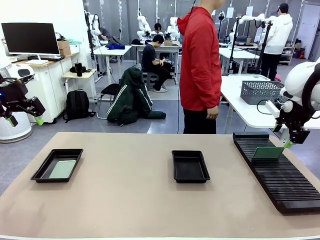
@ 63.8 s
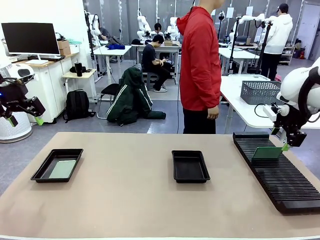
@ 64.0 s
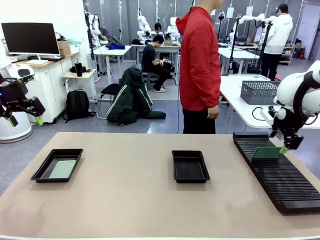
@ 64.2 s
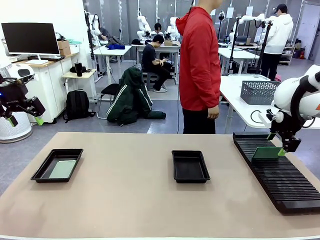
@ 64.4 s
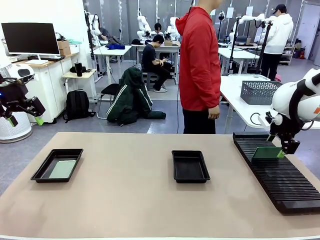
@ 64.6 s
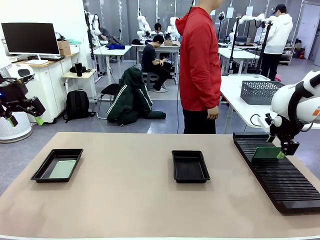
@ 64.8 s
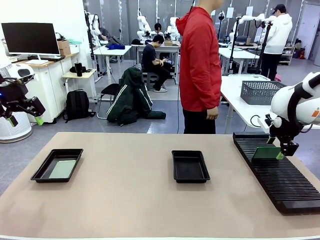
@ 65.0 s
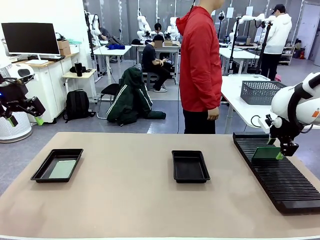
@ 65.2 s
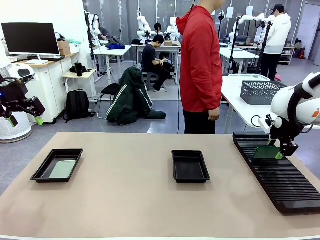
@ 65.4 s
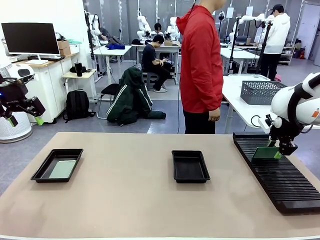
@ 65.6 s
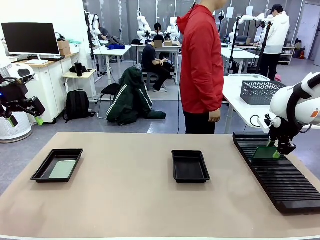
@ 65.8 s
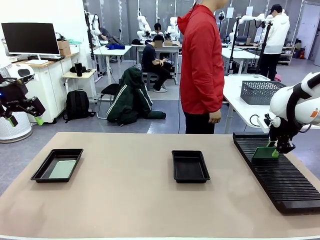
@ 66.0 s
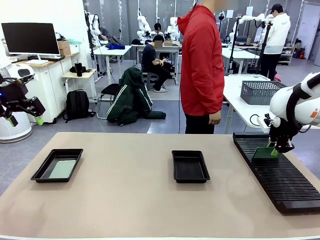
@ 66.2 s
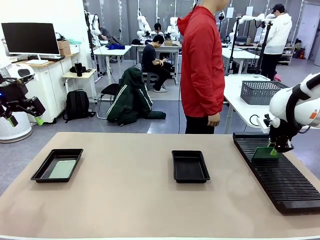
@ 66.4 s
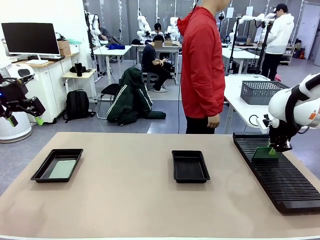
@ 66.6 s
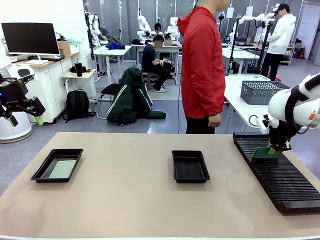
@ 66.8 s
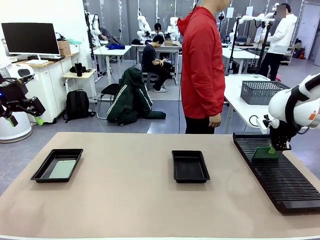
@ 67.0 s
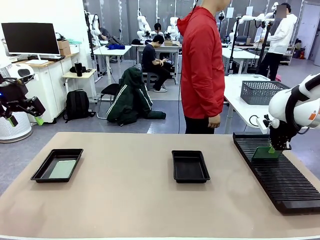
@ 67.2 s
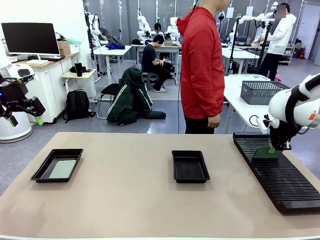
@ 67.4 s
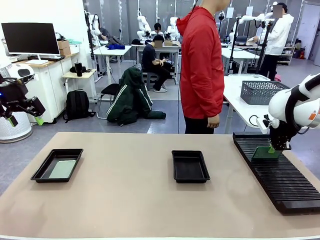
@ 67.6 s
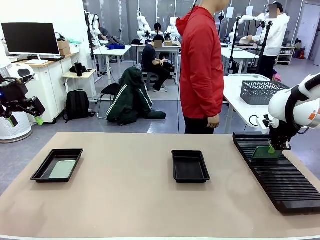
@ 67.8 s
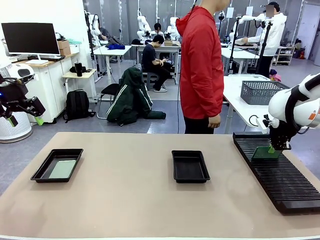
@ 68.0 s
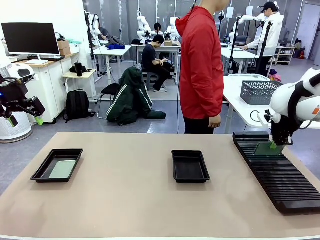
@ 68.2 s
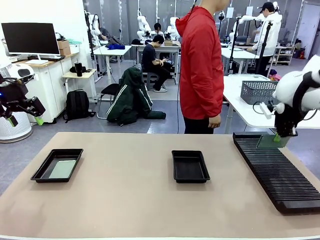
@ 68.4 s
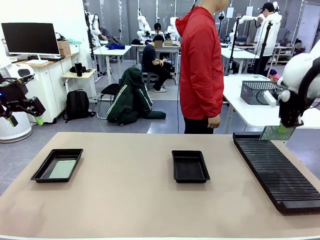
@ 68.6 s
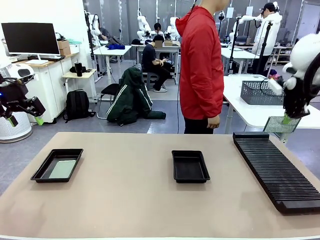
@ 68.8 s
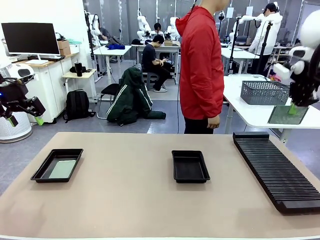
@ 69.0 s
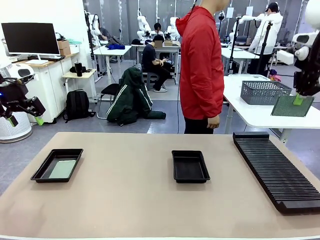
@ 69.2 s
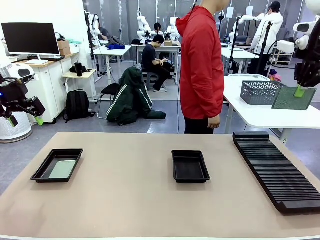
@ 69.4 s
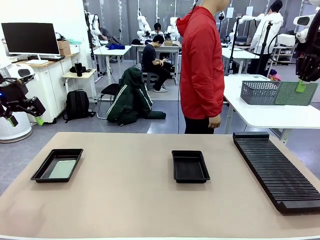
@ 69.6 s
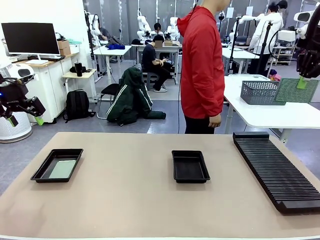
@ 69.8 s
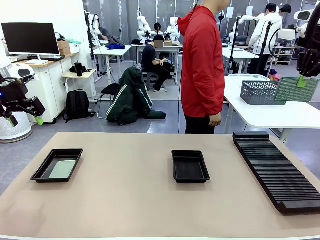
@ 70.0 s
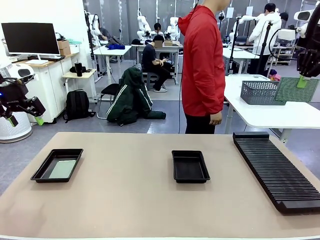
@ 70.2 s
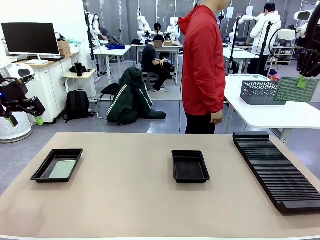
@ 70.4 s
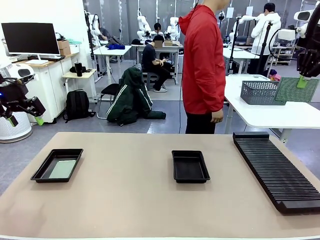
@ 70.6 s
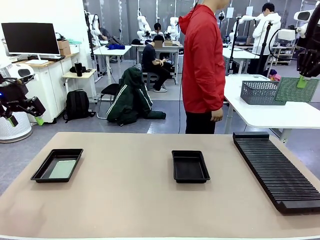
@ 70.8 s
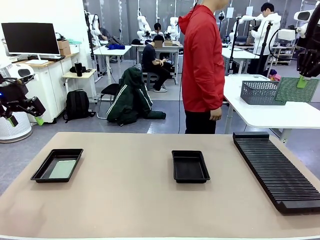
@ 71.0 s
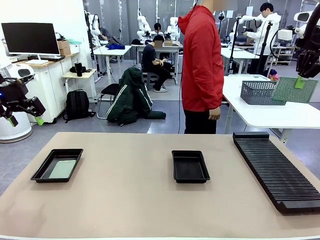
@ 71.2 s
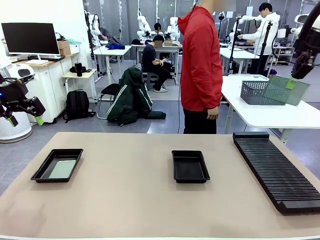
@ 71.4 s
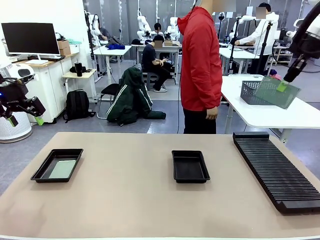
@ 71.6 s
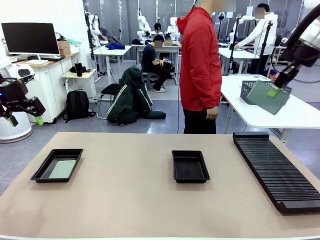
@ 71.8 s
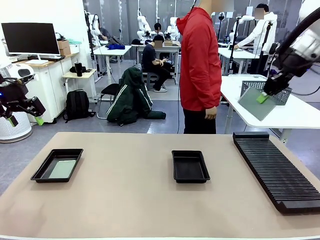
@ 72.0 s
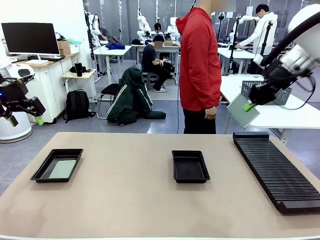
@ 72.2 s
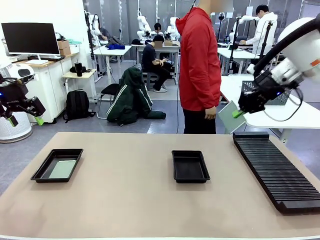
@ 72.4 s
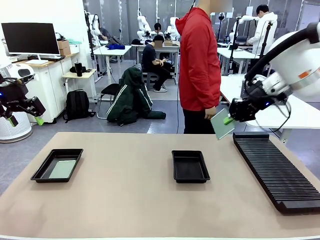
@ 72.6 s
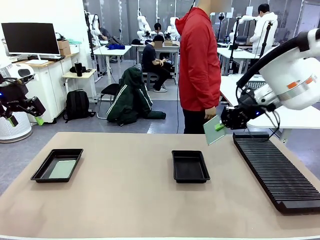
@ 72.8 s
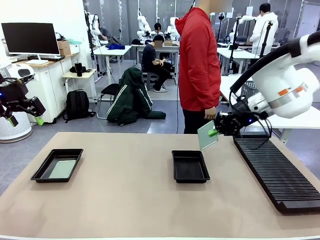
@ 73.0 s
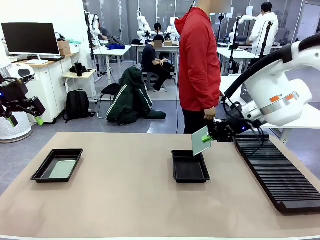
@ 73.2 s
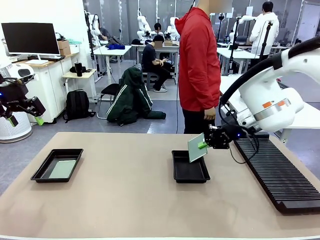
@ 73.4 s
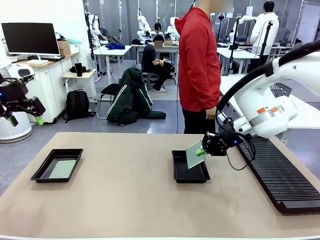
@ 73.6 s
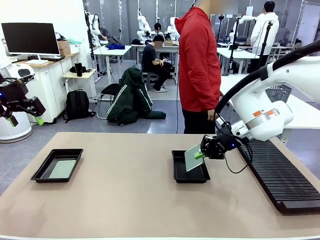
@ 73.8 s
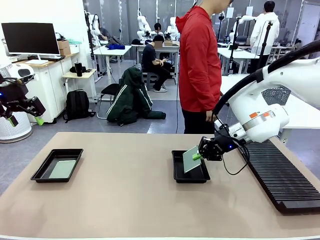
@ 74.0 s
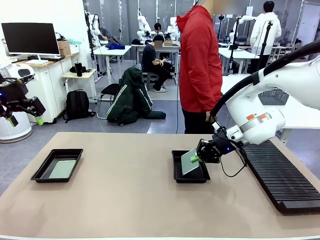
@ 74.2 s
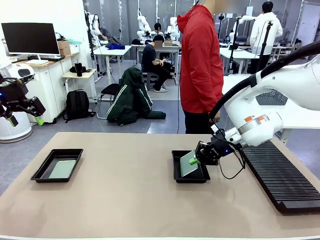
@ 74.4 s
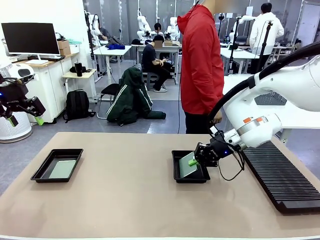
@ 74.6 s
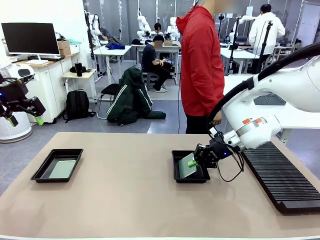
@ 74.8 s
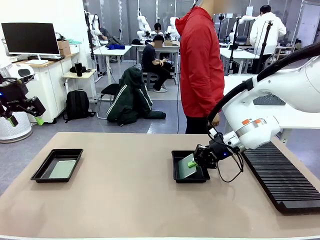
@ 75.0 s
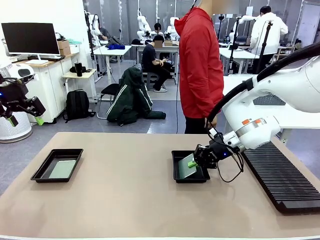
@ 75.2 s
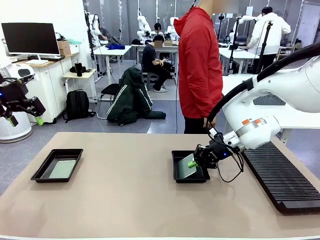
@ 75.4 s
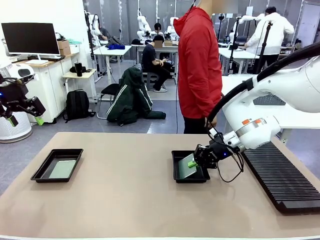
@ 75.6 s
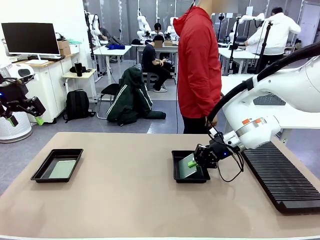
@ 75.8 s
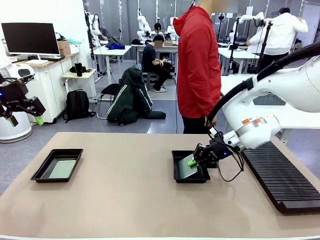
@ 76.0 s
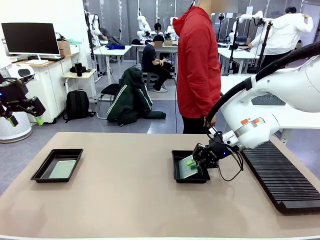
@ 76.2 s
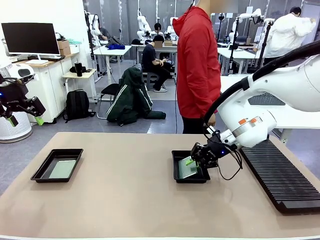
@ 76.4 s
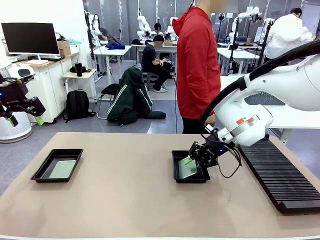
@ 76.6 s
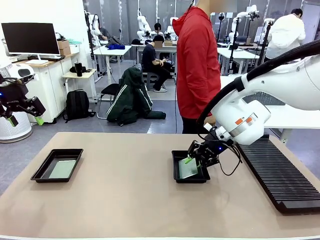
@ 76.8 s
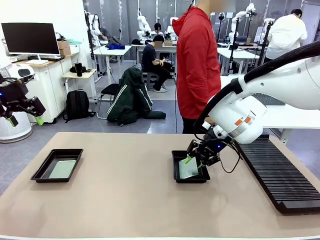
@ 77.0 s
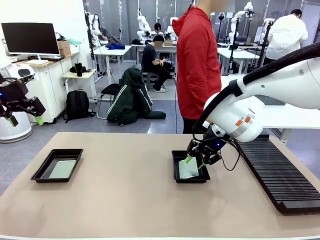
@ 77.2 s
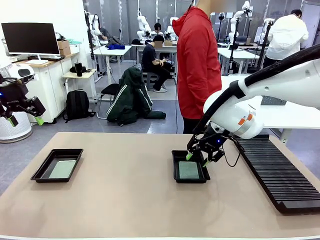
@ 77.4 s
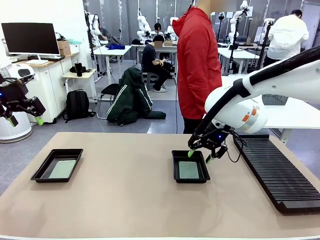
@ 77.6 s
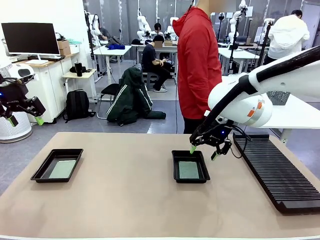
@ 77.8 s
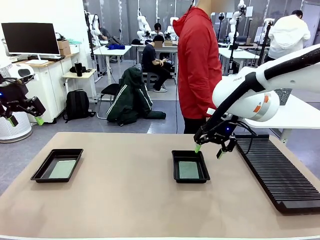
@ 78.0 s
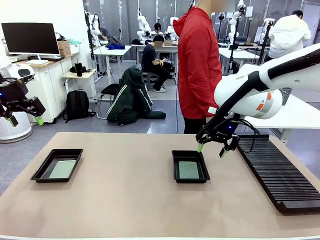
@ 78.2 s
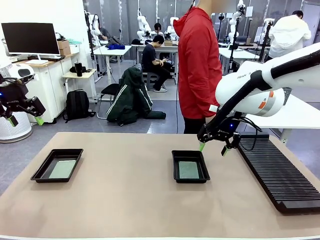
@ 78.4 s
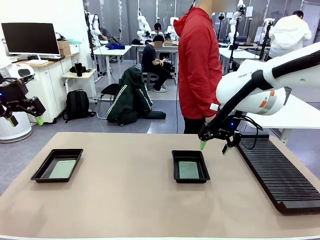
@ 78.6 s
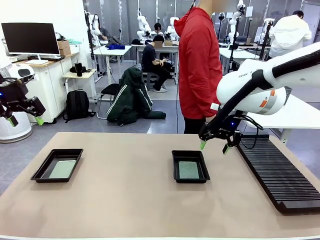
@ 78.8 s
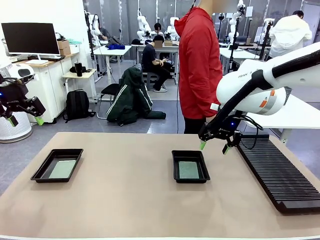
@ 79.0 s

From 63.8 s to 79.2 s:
Task: Inspect and transfer BCBs to ESD trays.
Robot: Pick up the Blank PCB from the PCB Rack and place it in the right ESD tray.

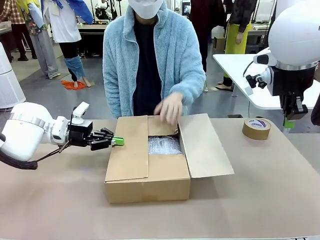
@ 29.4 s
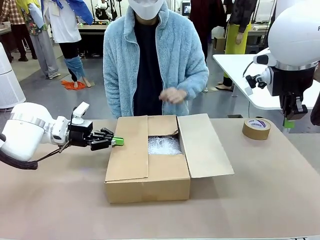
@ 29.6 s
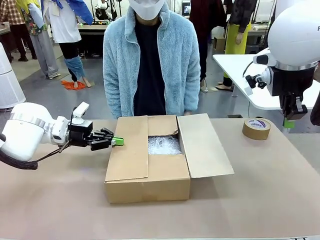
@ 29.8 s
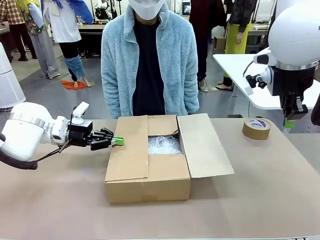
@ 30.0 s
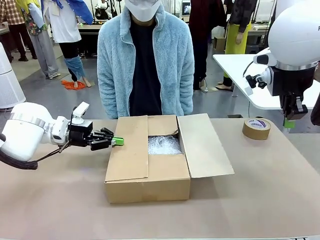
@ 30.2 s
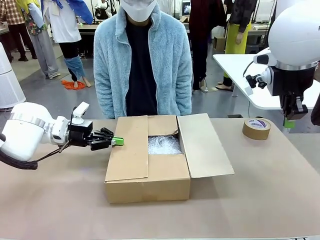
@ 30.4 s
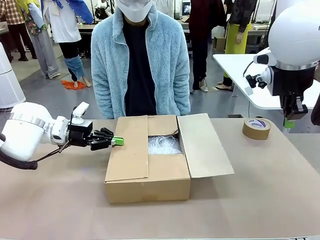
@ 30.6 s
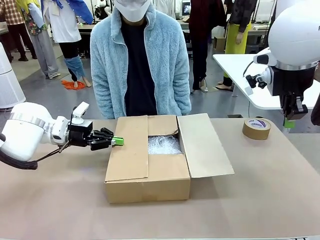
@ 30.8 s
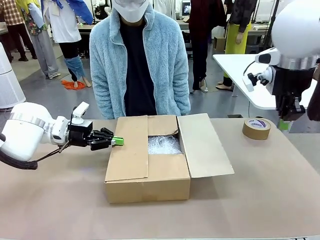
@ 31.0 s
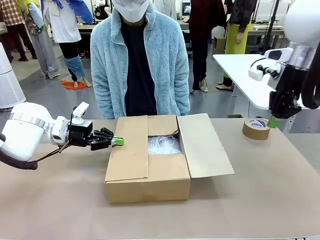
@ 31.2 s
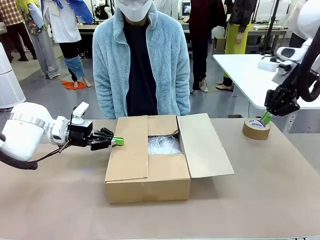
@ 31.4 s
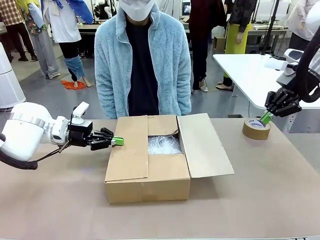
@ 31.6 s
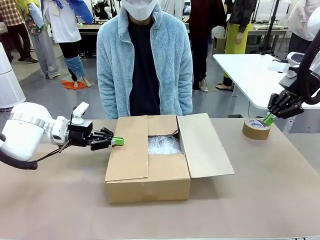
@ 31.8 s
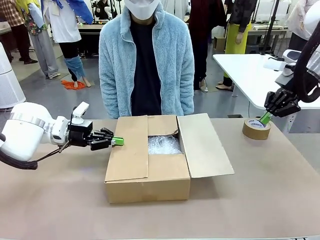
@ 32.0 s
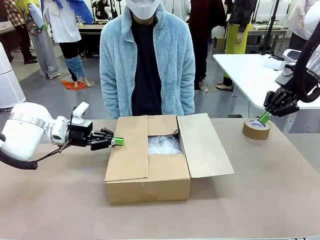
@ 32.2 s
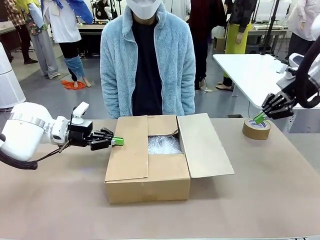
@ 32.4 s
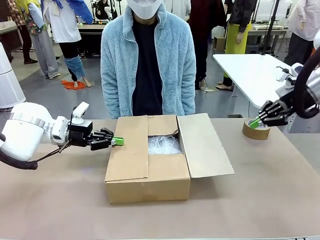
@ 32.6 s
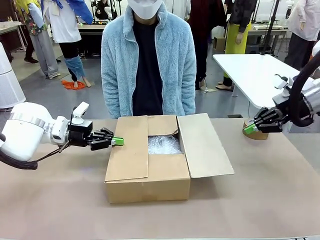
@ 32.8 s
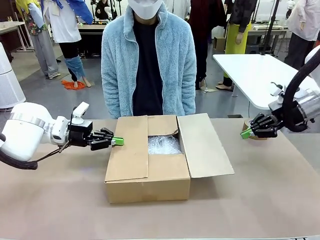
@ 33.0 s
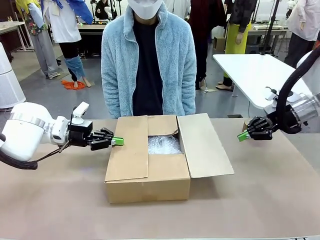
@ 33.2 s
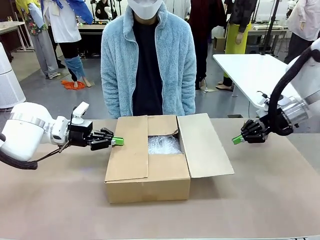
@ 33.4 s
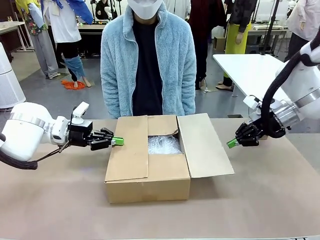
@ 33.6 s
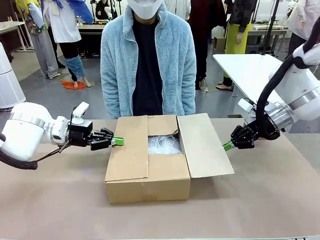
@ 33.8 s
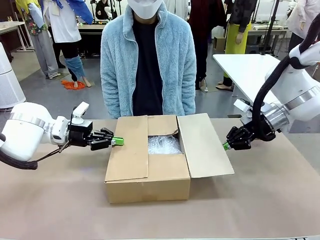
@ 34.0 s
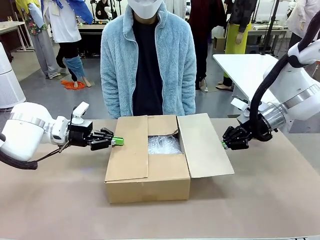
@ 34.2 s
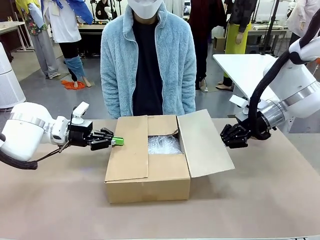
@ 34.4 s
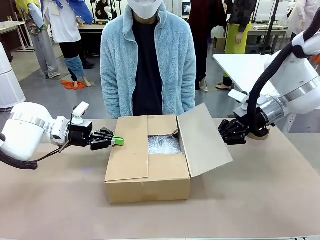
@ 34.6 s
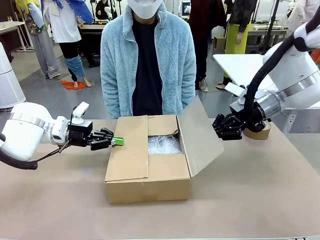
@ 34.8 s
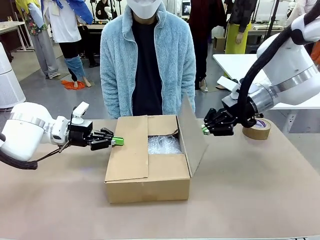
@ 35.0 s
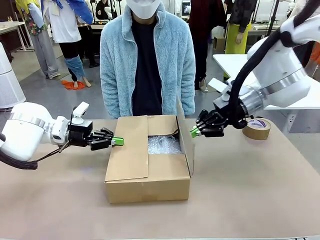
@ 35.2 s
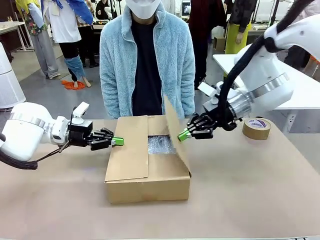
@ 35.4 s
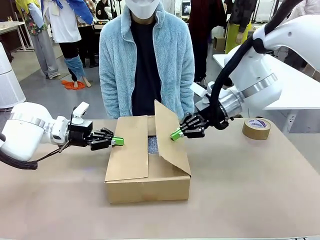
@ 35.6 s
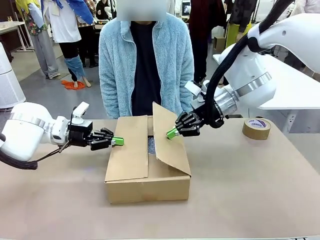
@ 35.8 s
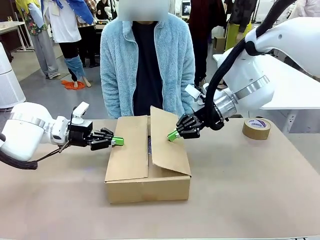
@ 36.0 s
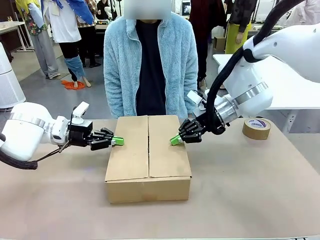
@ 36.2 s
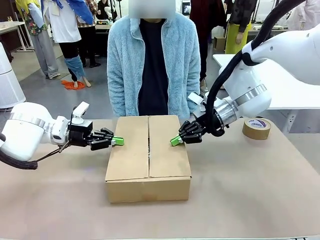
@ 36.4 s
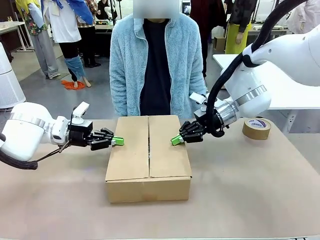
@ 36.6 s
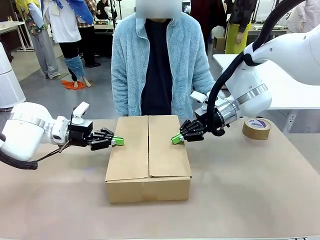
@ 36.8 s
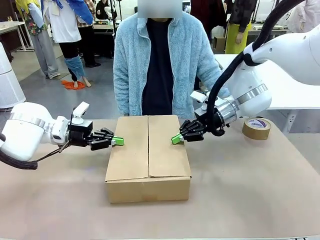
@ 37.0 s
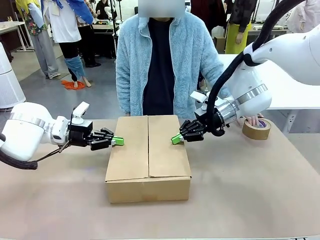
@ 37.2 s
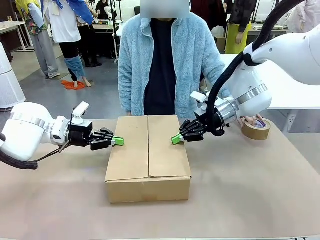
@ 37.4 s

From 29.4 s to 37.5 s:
Task: Wrap the clocks to prevent damage.
Robot: Push the left (or right) flap of the Package Box to close it.
